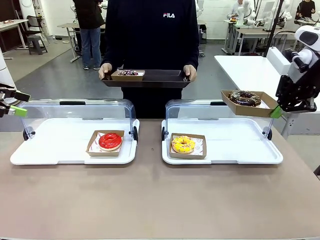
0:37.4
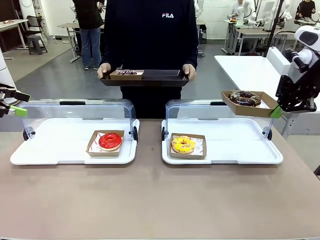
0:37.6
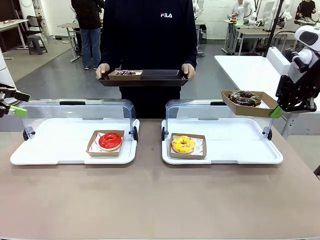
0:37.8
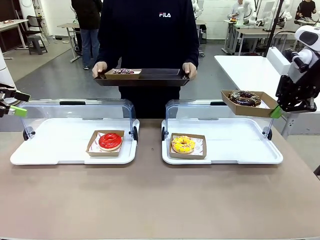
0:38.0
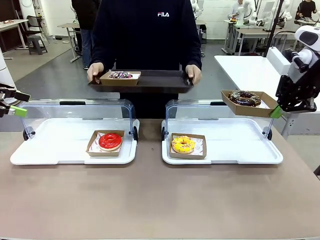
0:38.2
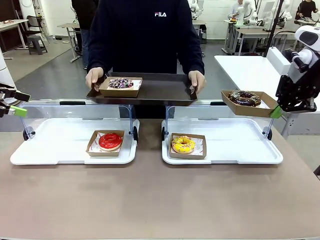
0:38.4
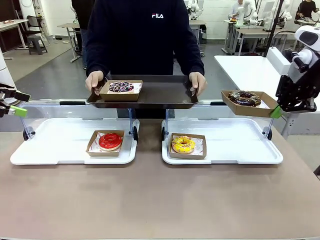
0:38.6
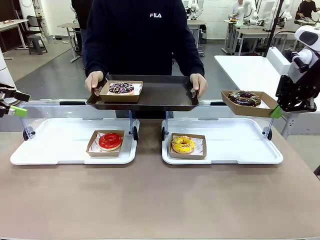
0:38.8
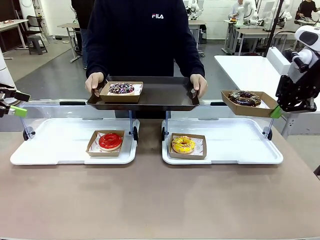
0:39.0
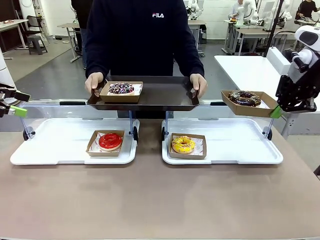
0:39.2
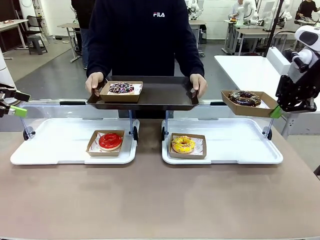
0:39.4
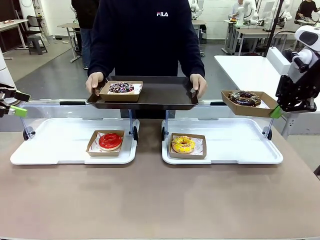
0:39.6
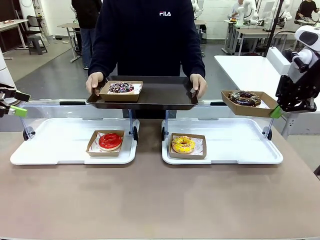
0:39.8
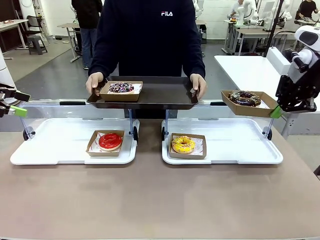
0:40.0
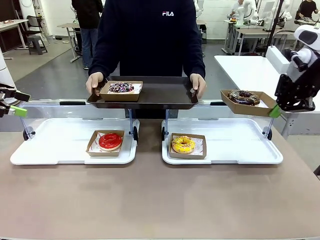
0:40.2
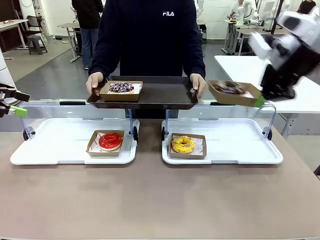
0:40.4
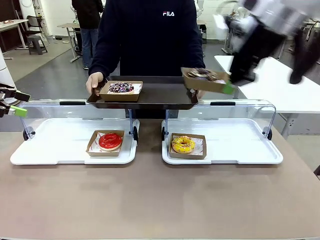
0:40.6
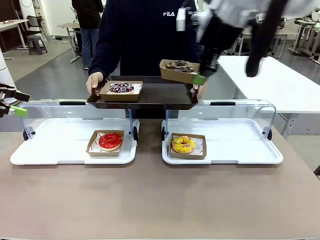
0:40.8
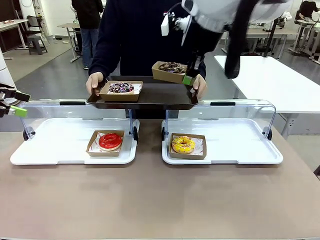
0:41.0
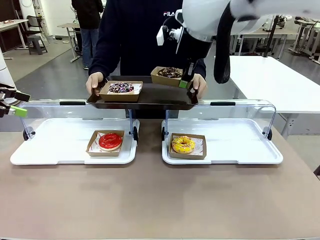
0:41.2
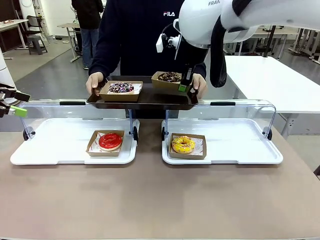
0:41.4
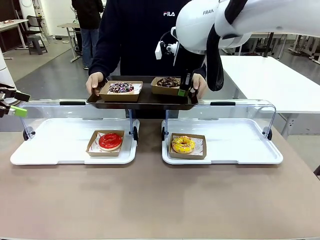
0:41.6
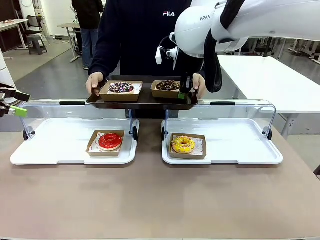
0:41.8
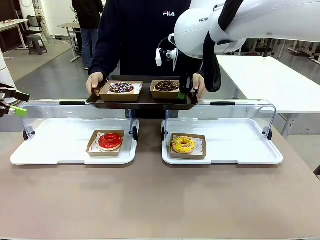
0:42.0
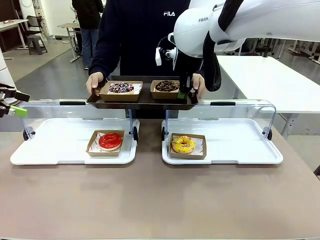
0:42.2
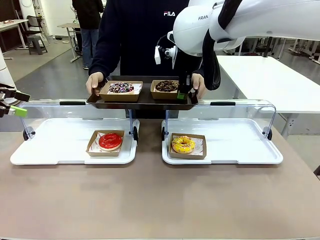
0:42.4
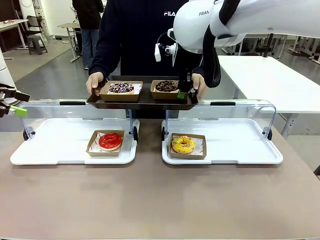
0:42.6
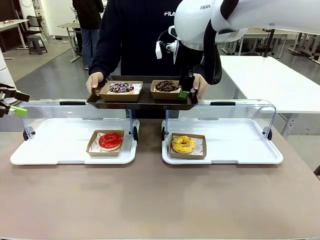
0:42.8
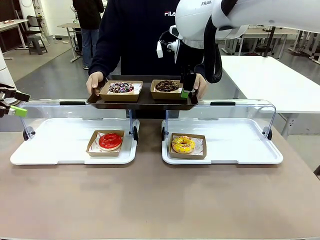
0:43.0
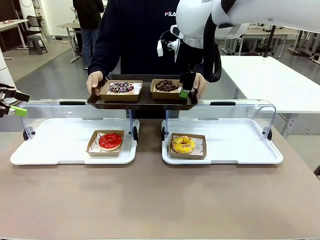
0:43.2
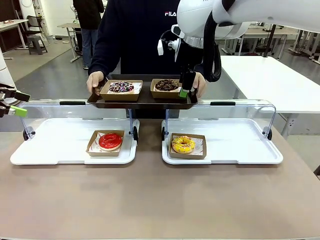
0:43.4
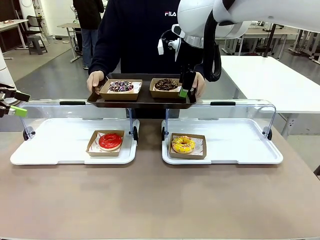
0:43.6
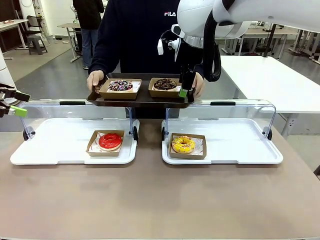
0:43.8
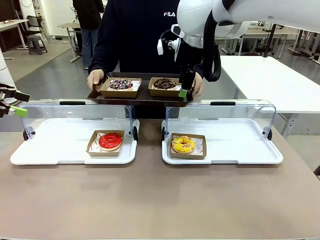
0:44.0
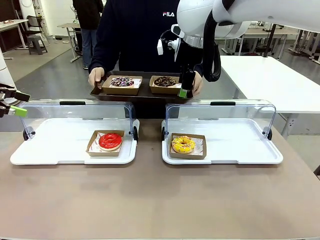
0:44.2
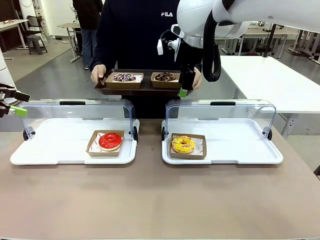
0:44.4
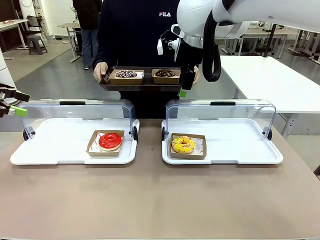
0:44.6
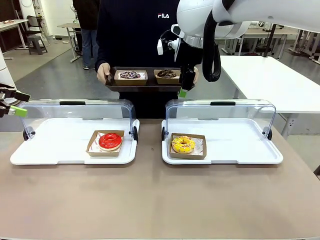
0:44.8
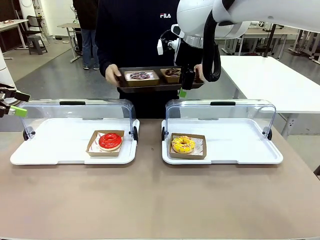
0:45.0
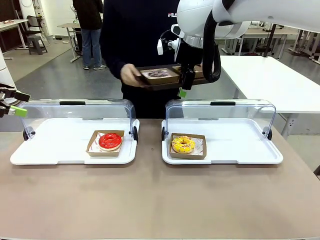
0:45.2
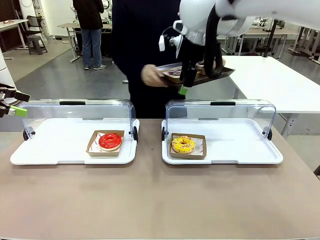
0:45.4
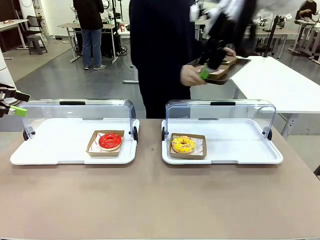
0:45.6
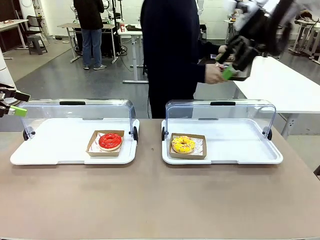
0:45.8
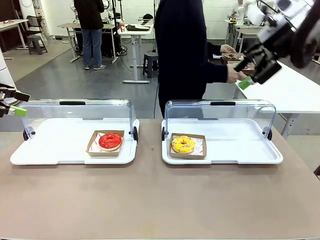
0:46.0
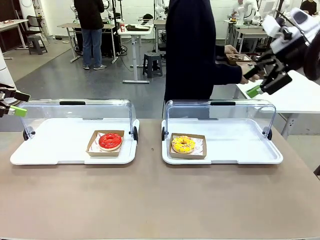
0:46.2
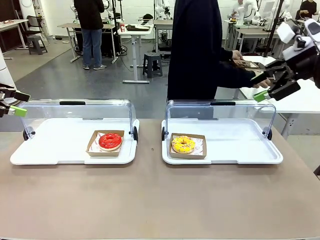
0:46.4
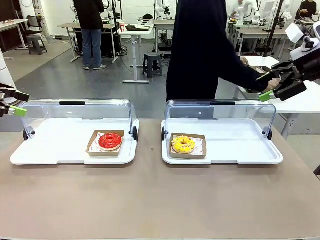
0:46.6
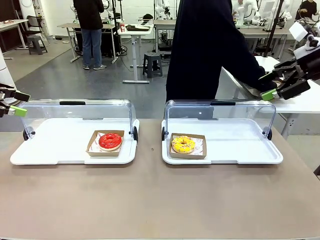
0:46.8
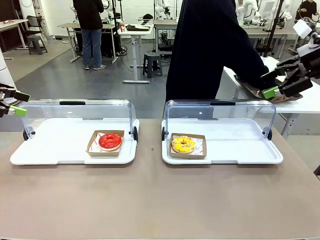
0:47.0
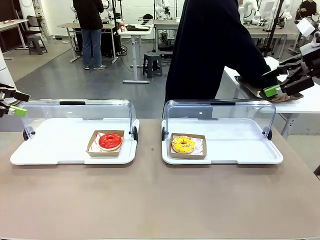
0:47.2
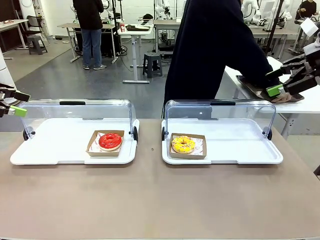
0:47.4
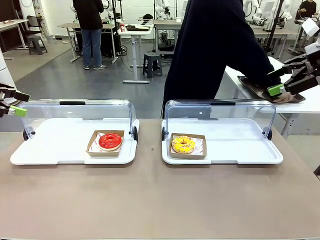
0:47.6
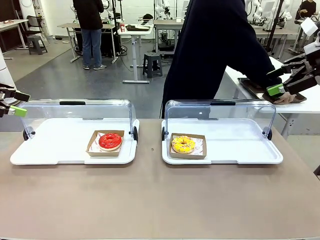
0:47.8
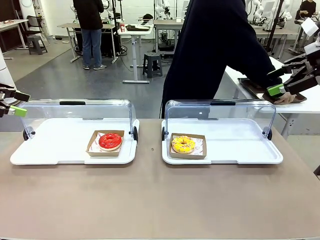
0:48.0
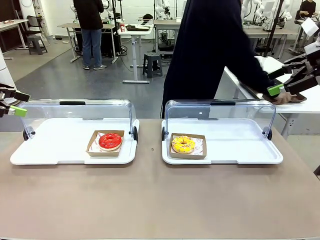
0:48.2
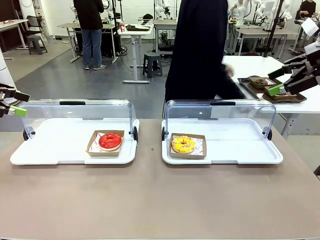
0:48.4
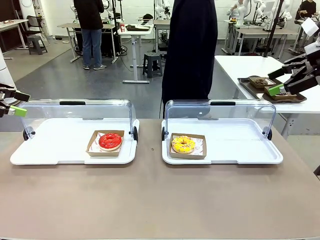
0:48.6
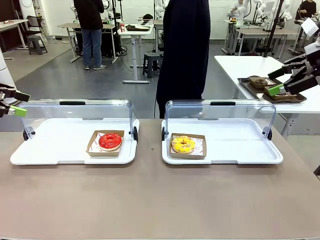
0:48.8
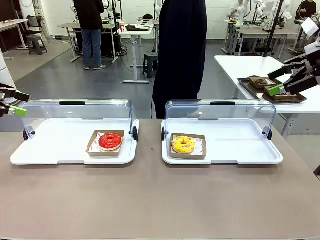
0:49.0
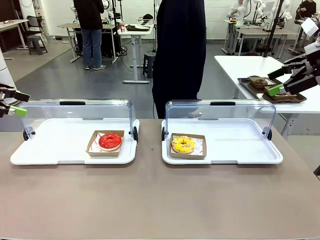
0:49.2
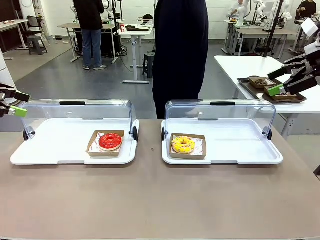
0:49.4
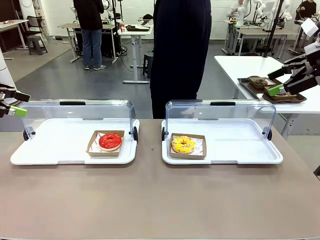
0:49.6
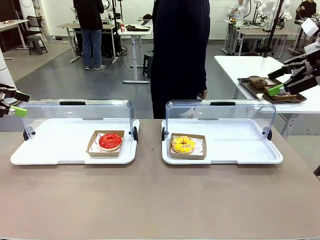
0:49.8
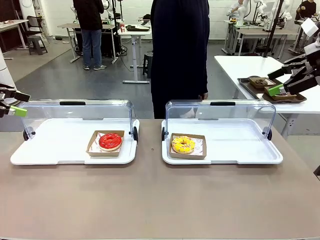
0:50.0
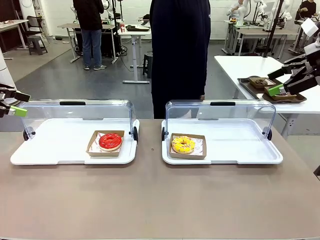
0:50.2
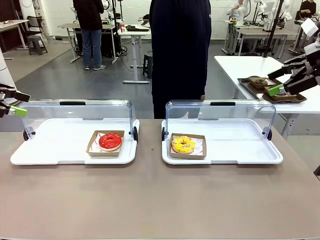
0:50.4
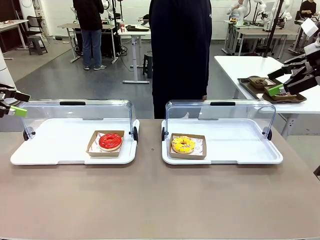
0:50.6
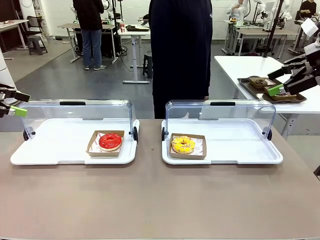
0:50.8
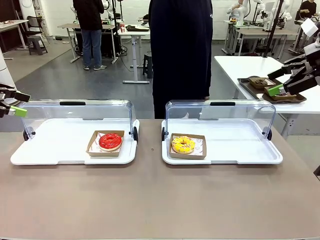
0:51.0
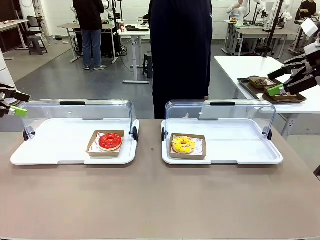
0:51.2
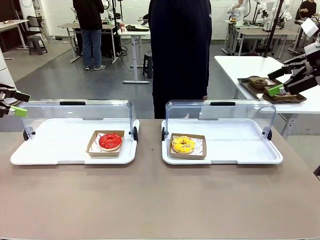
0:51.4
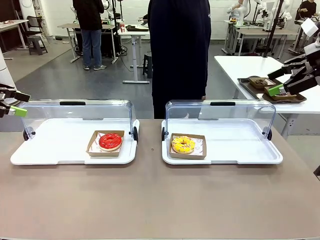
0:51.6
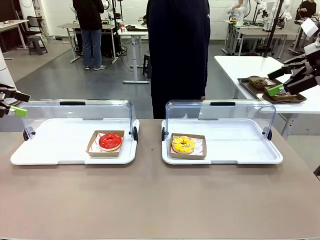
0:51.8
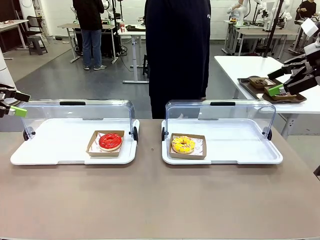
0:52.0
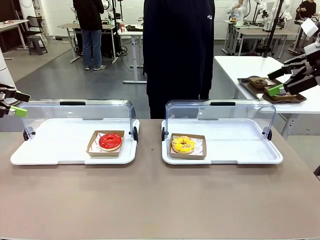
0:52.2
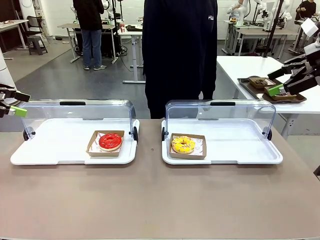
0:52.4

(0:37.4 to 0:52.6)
Task: Provide the desired donut to the person.
Robot: Place the picked Paper togo box onto the Handle tray extended by the person.
Person: Place the tray in the middle of the human table.
